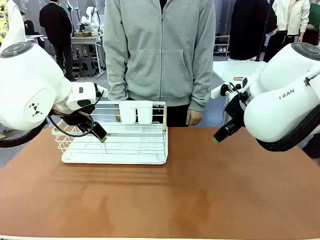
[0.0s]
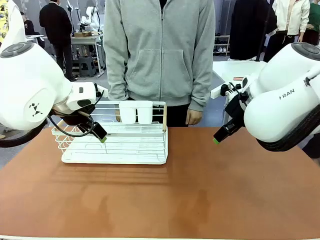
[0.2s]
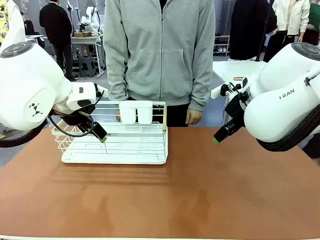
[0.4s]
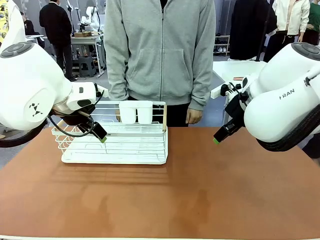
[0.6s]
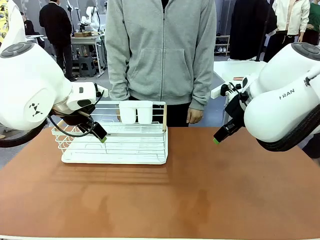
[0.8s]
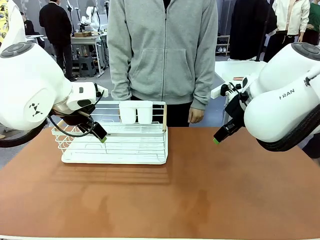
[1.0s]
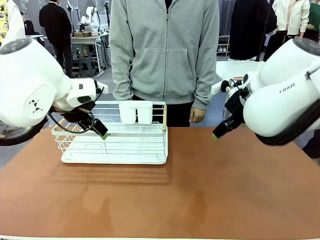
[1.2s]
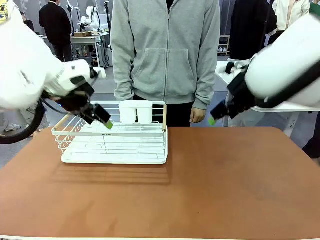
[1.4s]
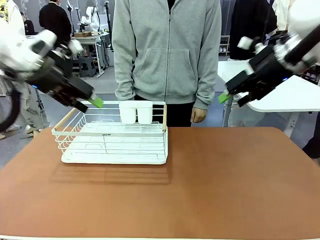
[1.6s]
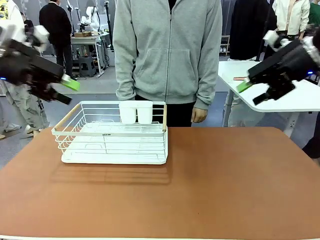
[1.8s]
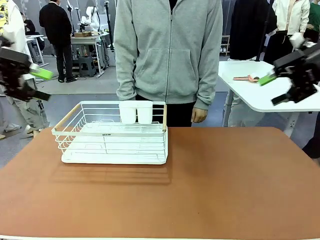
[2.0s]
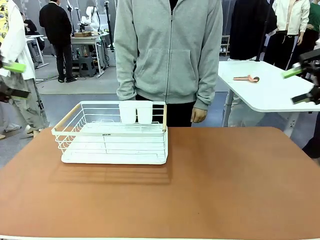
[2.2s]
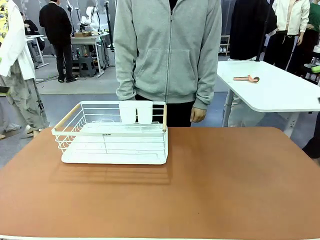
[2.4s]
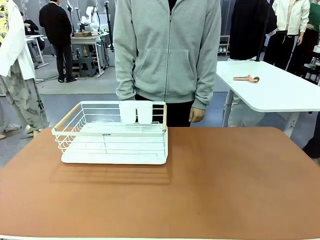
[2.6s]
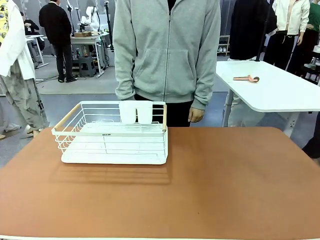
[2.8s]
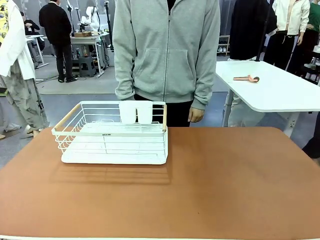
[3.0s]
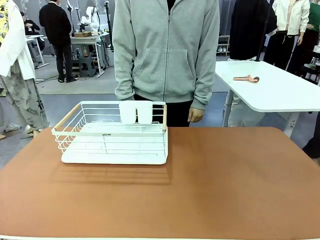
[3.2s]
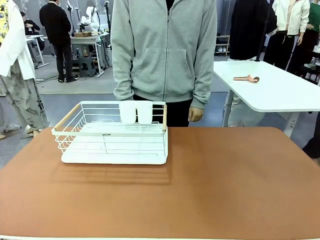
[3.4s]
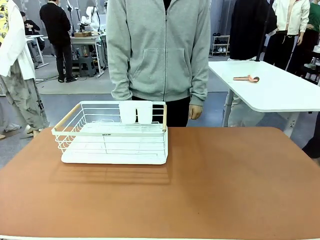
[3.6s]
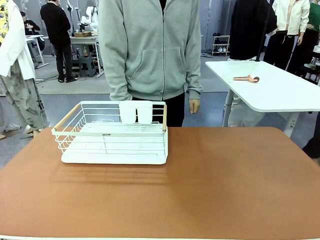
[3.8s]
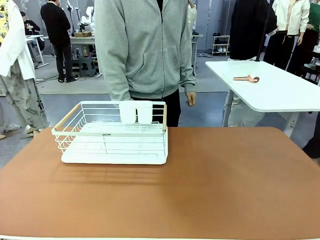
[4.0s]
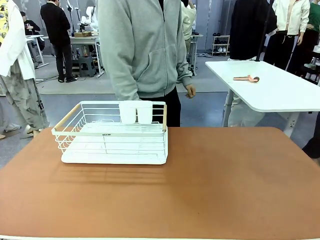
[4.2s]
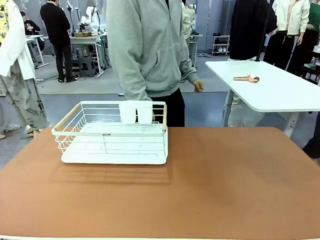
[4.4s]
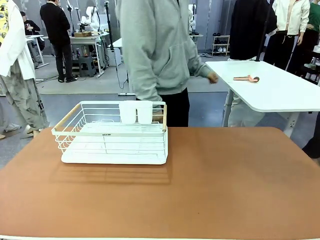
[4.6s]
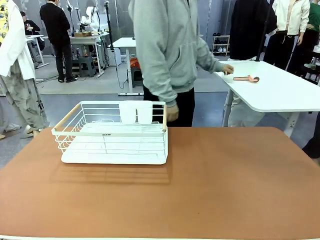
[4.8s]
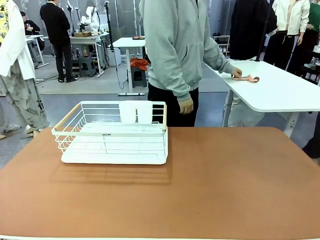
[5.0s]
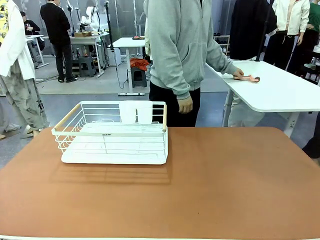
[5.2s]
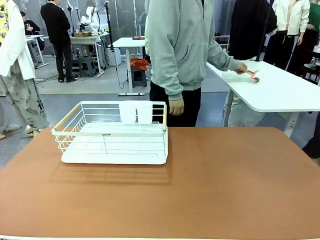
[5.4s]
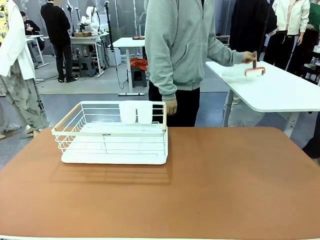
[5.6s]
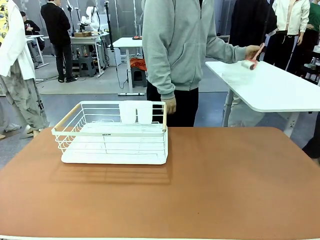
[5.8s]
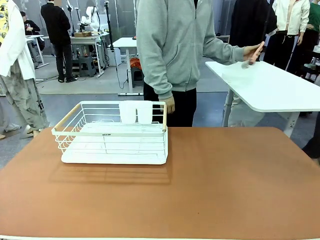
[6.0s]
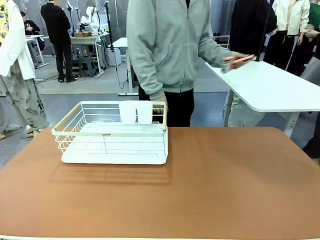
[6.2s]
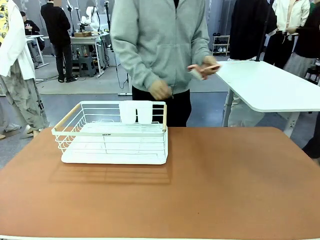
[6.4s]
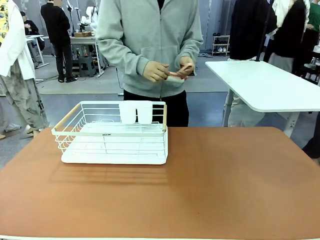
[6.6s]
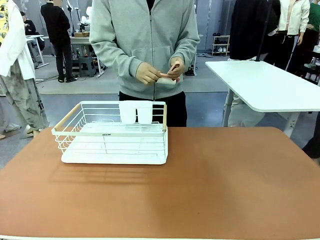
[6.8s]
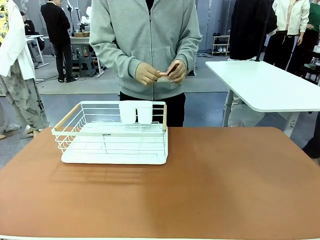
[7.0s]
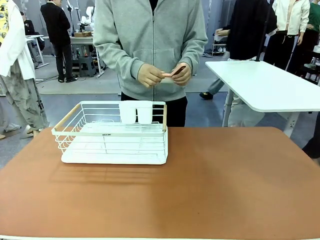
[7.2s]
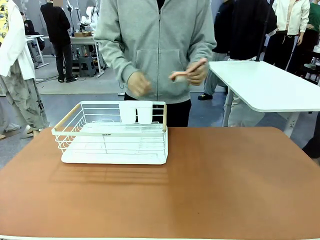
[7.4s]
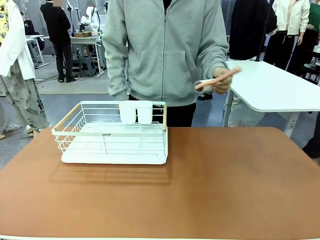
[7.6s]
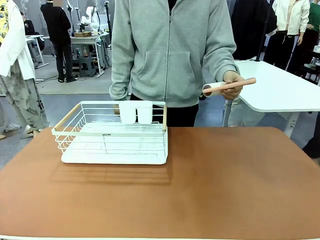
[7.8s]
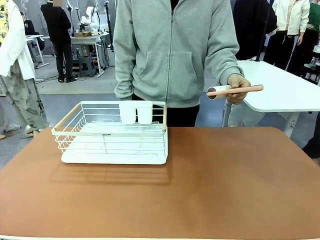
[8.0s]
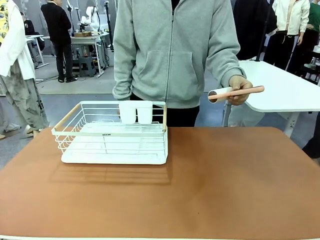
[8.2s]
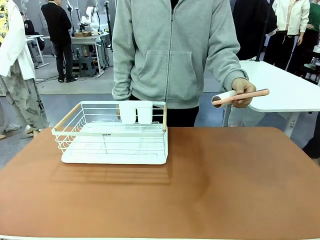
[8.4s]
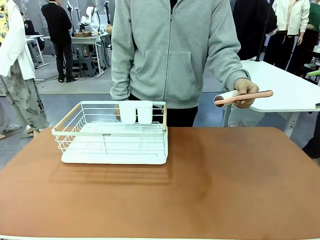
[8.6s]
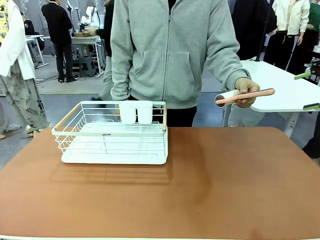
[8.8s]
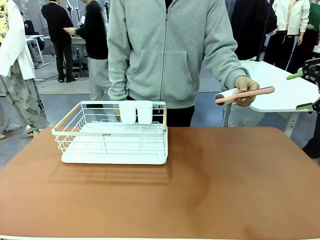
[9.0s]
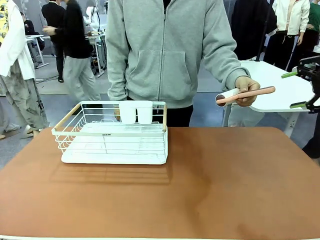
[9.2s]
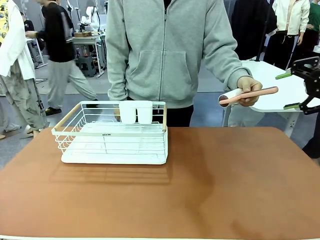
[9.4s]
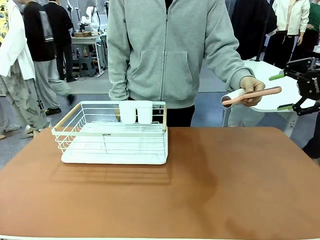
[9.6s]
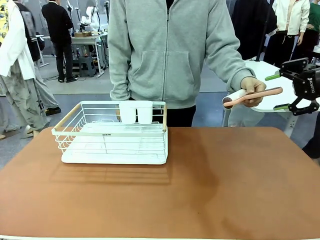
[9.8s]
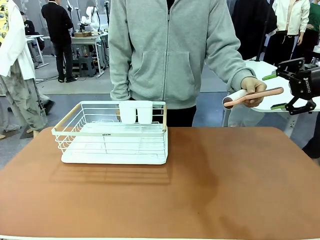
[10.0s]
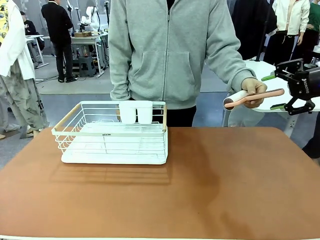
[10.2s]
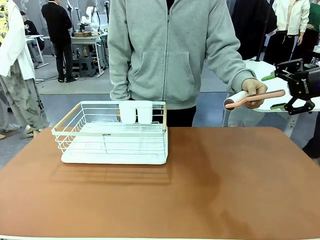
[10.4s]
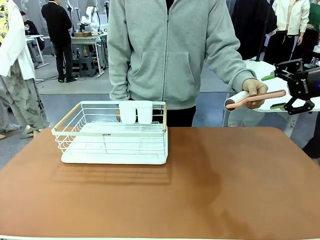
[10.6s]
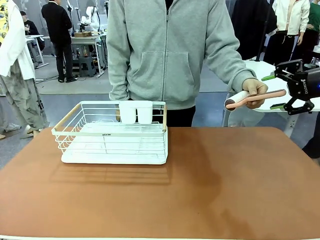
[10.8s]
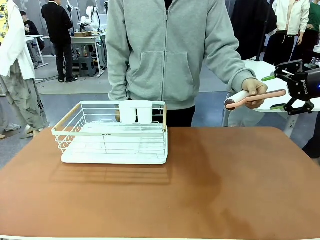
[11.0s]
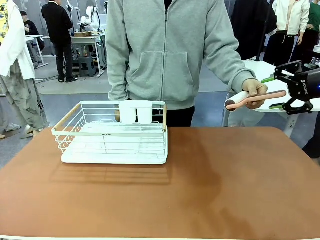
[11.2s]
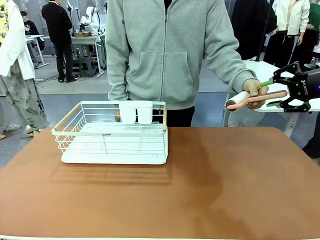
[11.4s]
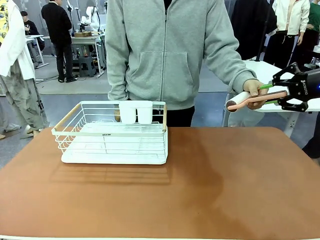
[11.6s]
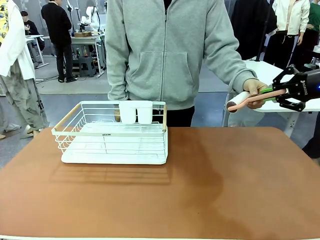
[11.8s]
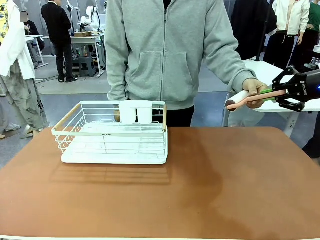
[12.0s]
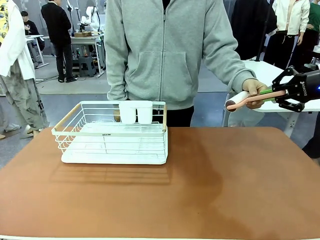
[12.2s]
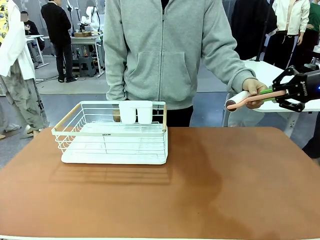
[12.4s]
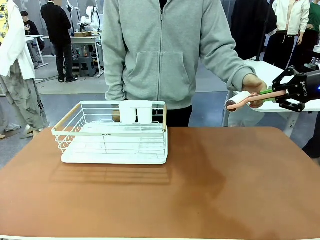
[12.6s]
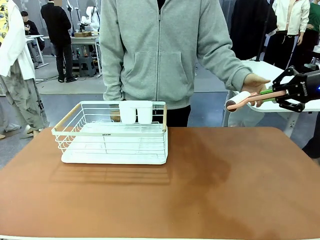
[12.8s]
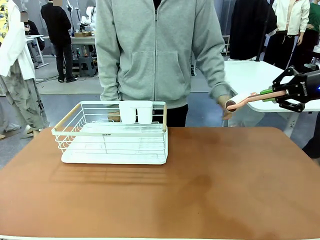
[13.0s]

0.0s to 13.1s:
Task: Clean the table.
Robot: Pick up the Lint Roller when the human hands it over.
Person: Hand the Lint Roller to the robot so it can easily pick it up. Lift the Dish drying rack.

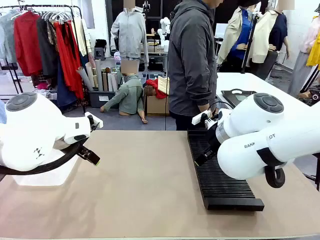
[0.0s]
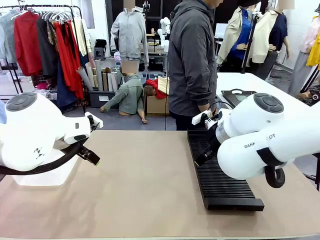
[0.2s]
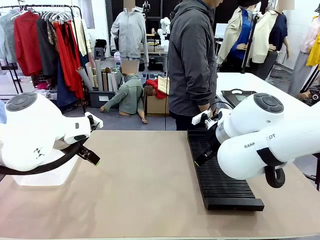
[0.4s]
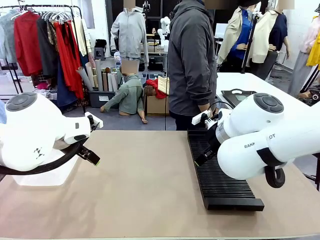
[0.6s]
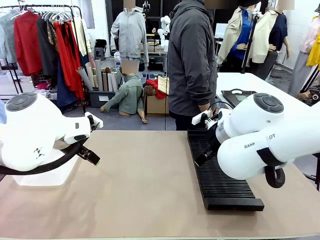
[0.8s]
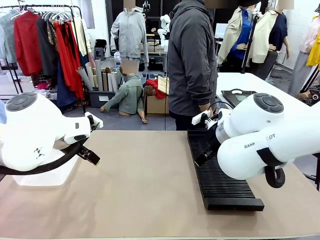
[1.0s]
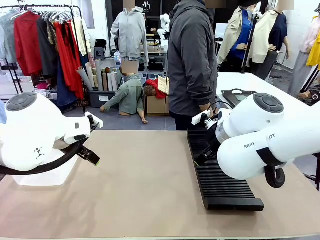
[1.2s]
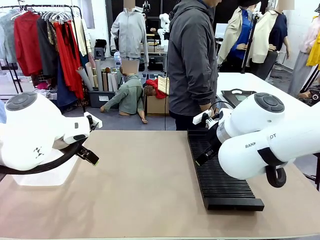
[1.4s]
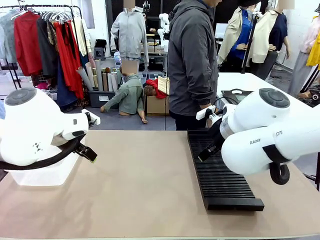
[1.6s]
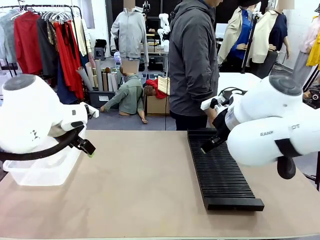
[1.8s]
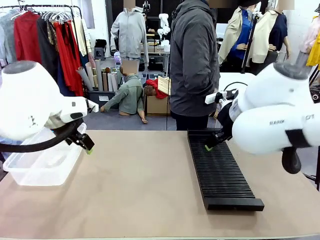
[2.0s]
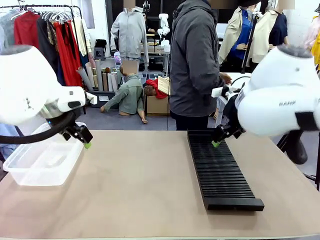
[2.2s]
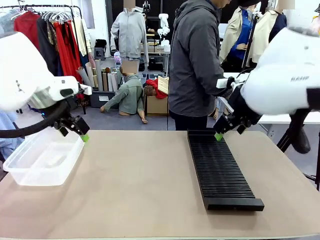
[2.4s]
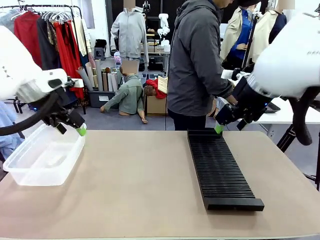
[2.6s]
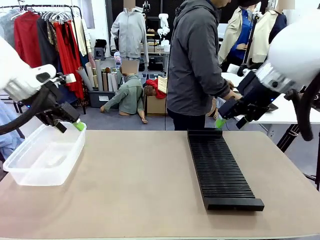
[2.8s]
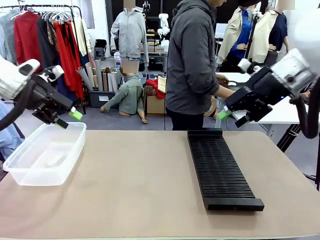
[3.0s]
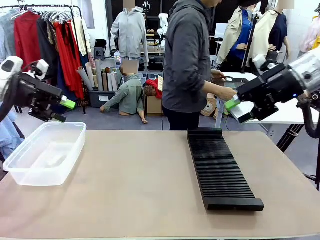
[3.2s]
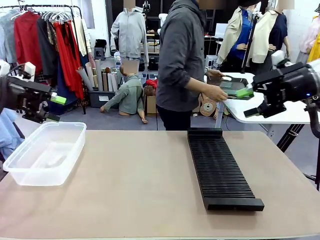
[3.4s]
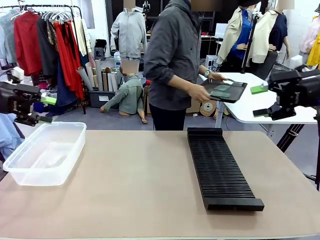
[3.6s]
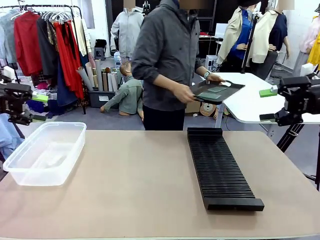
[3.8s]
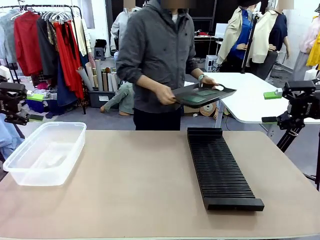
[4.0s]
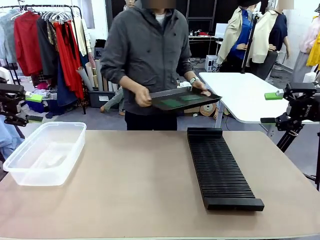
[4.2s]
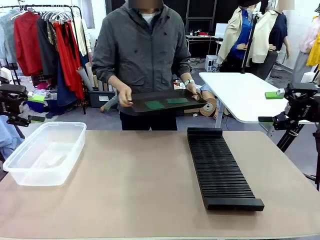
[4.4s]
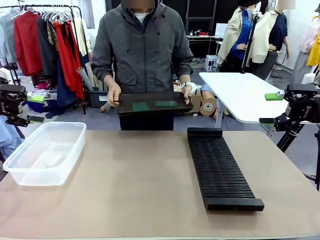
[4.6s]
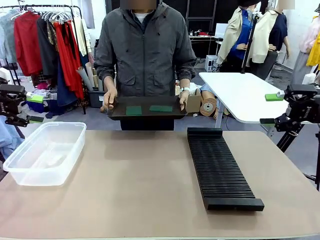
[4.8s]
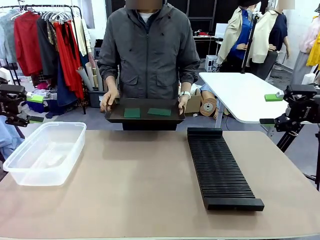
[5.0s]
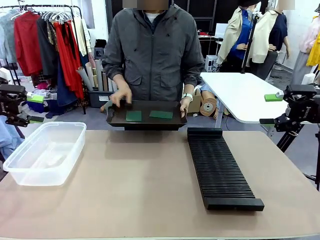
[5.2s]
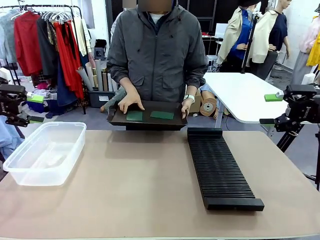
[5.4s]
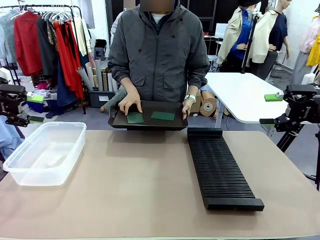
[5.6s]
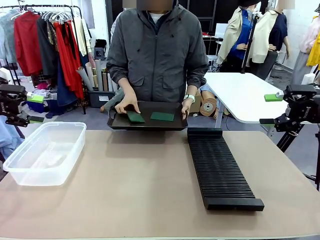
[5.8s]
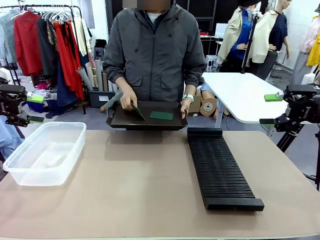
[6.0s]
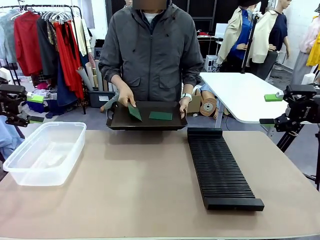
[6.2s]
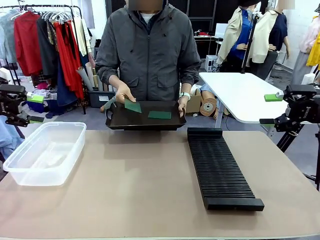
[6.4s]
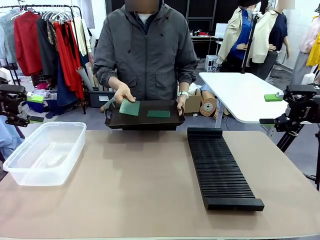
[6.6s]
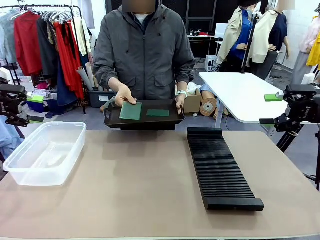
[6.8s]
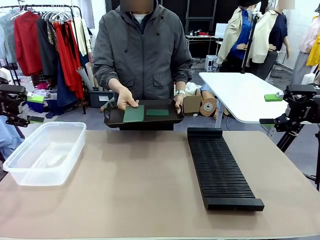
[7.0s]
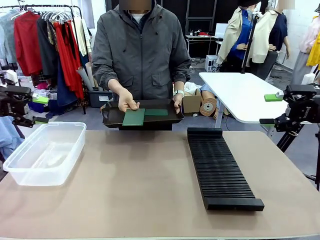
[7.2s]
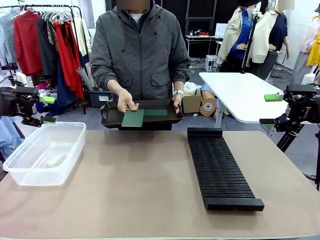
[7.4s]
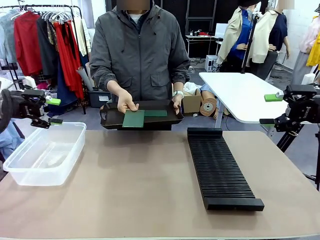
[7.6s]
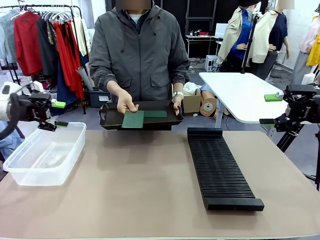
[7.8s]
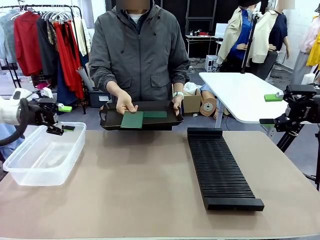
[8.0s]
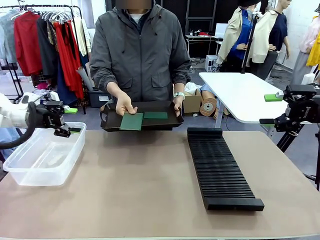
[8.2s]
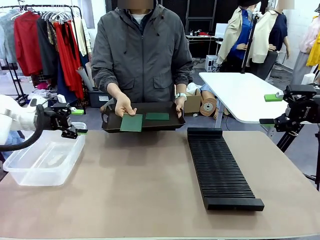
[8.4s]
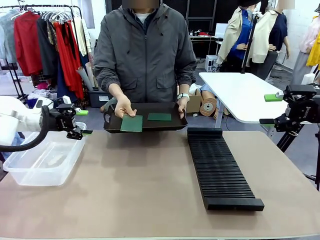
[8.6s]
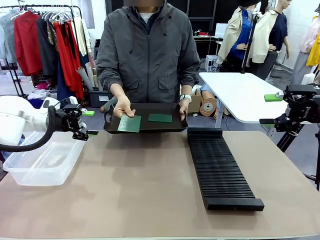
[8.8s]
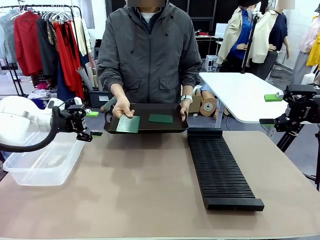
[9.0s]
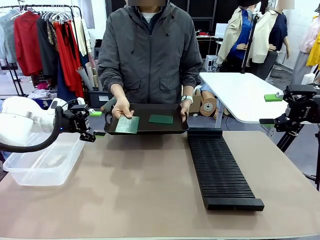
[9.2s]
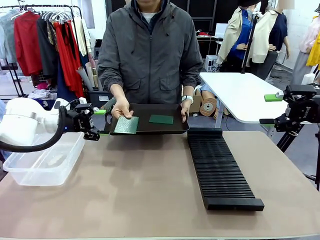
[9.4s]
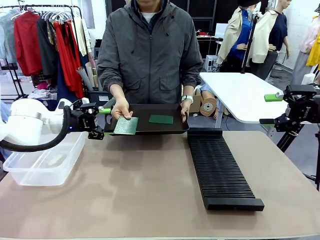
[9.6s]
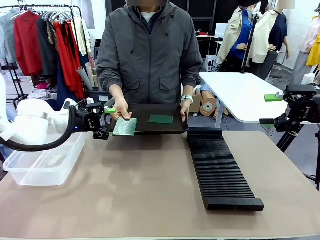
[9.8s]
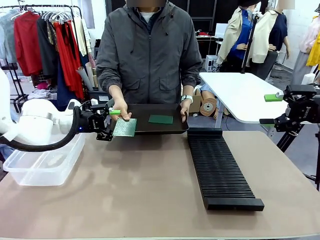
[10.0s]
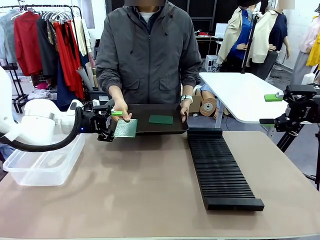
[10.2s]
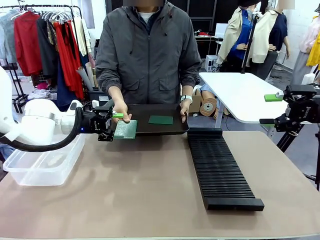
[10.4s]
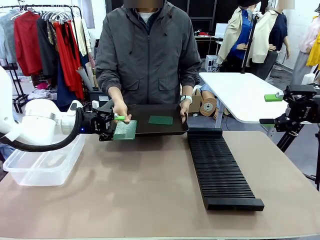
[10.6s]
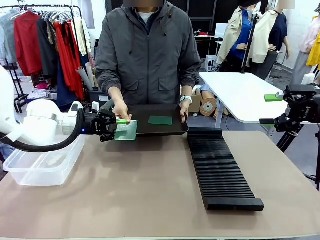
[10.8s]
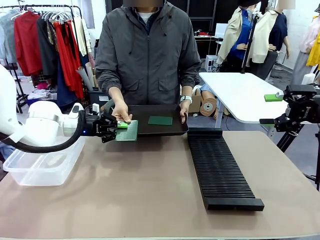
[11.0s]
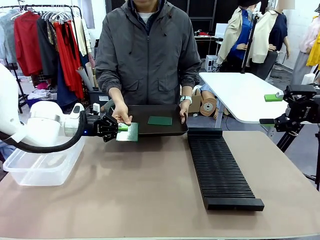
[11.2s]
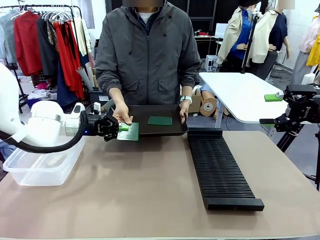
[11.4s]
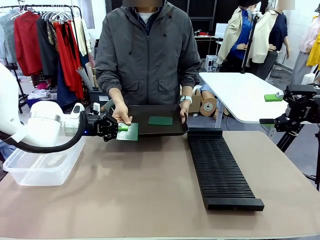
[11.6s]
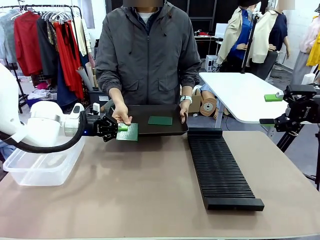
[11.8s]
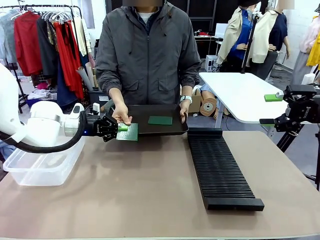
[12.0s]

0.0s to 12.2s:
Task: Sort PCBs into racks and boxes based on the side picked up.
Robot: Pick up the Blank PCB handed by the Human.
Person: Pick one PCB from the tray and present it to the robot. Release the PCB being held.
